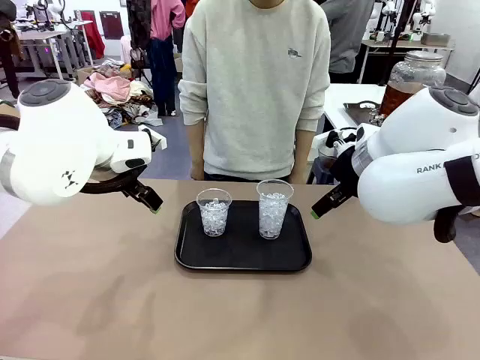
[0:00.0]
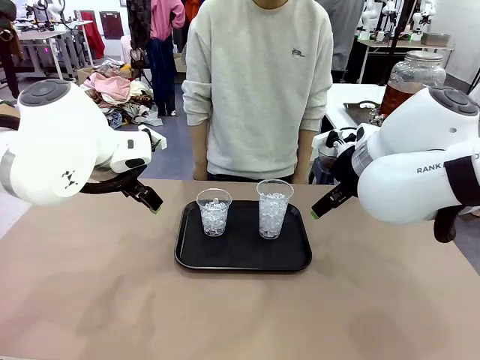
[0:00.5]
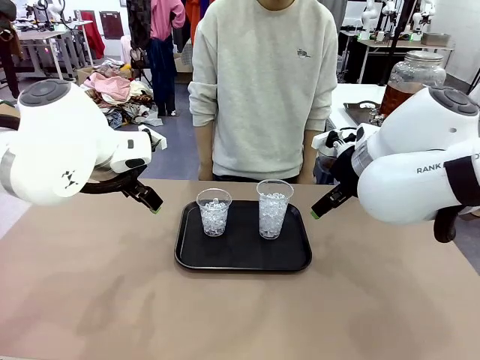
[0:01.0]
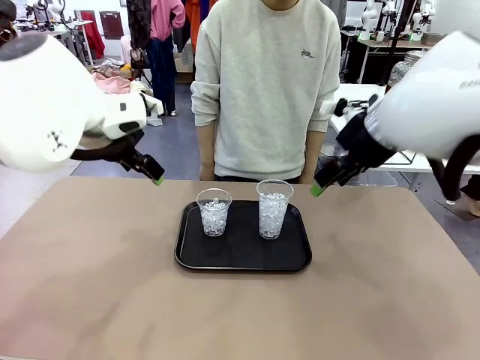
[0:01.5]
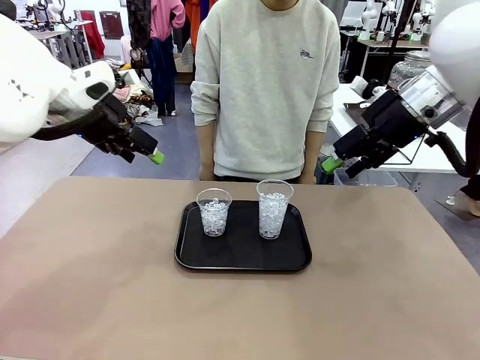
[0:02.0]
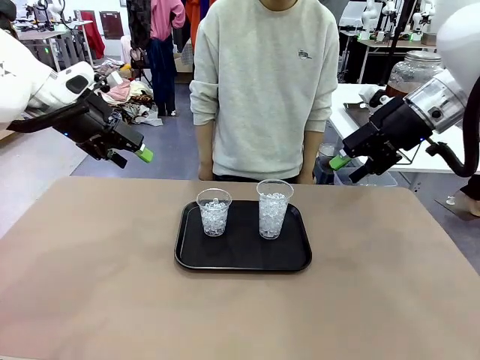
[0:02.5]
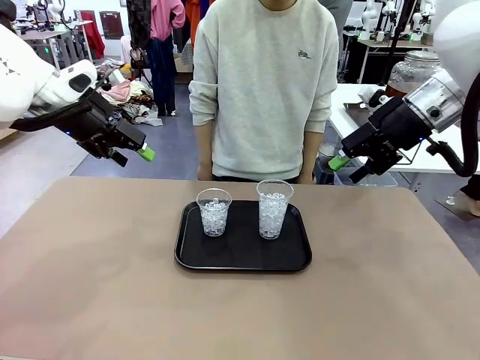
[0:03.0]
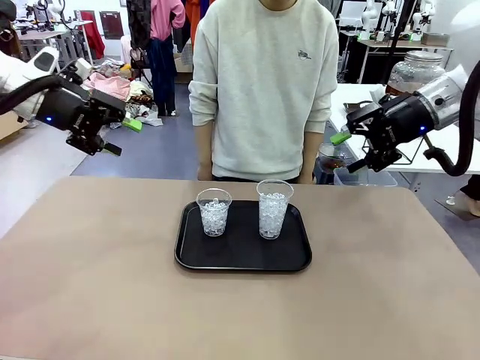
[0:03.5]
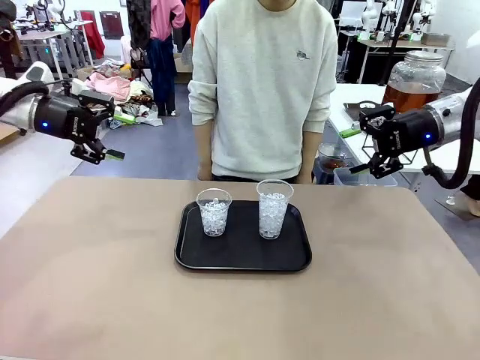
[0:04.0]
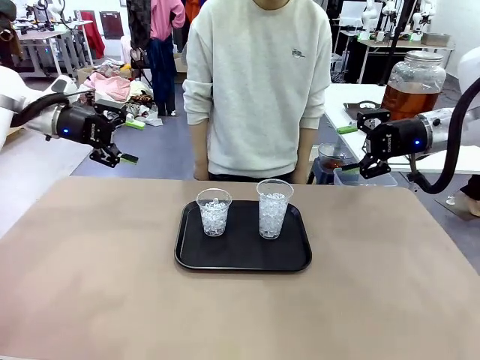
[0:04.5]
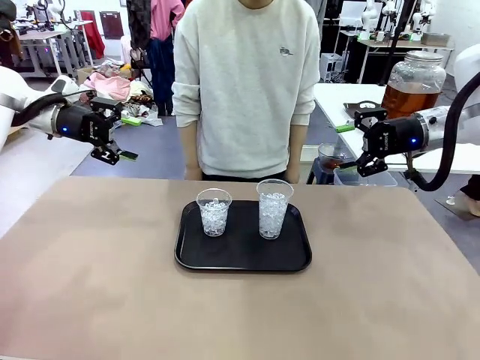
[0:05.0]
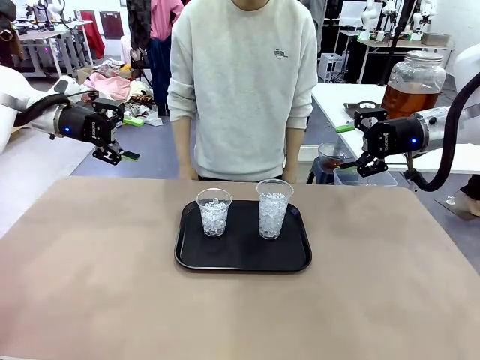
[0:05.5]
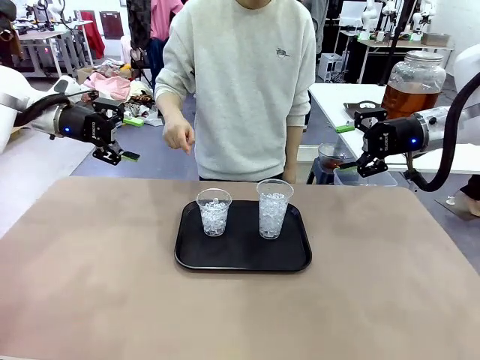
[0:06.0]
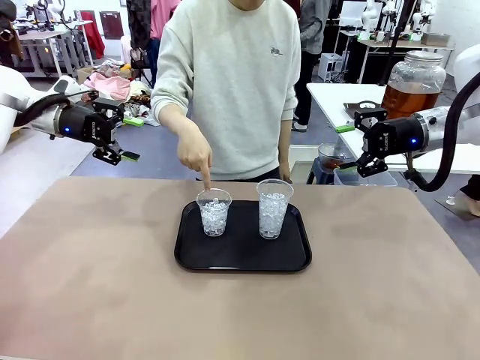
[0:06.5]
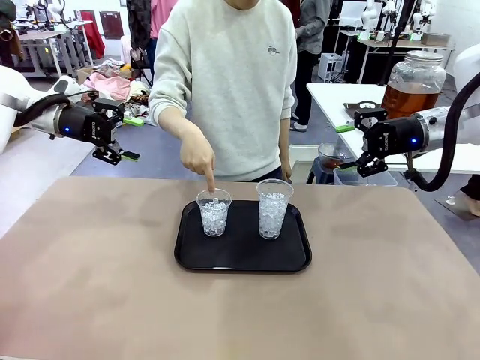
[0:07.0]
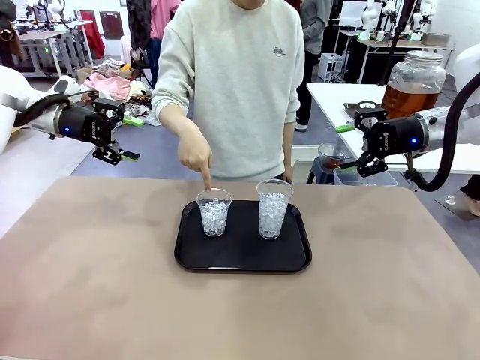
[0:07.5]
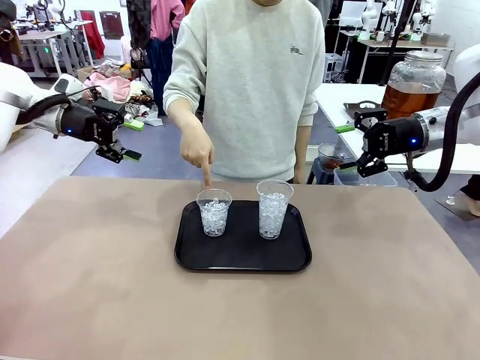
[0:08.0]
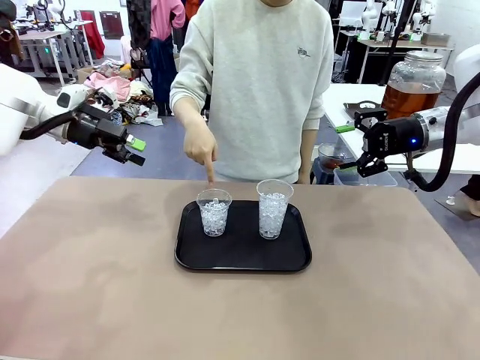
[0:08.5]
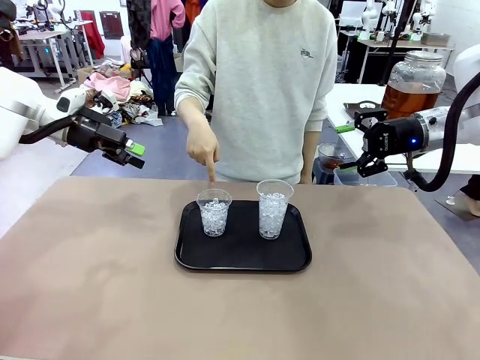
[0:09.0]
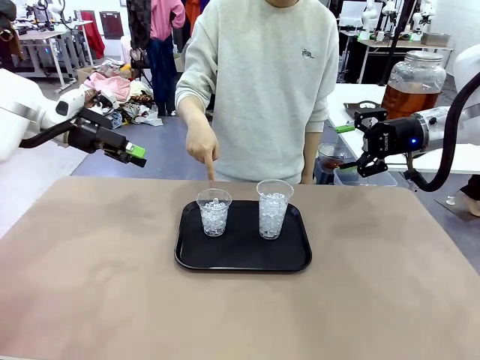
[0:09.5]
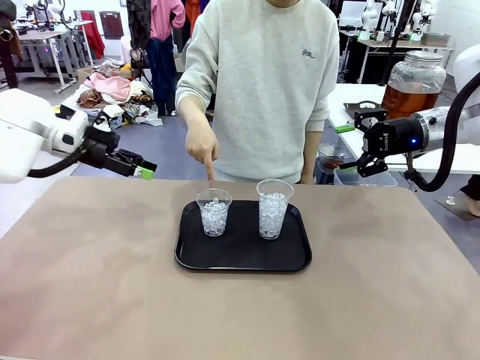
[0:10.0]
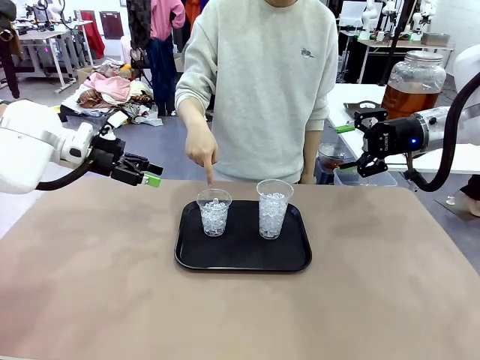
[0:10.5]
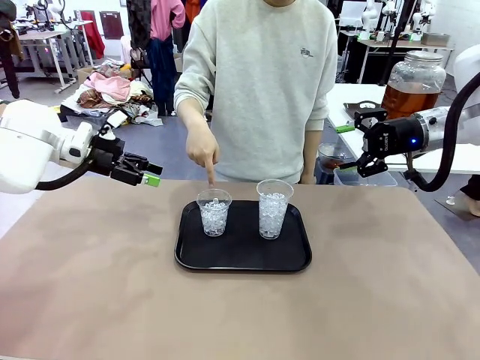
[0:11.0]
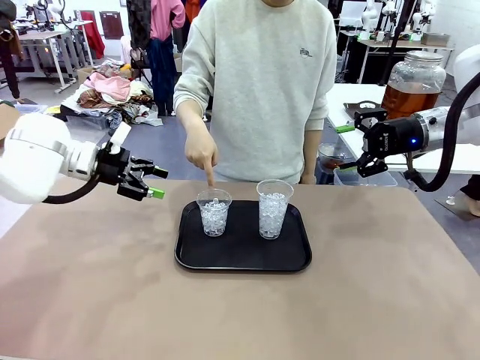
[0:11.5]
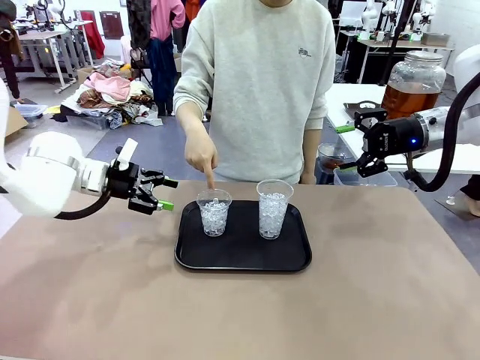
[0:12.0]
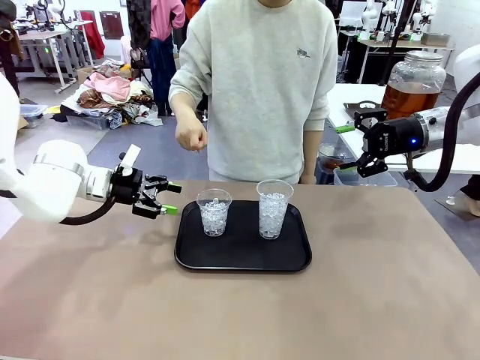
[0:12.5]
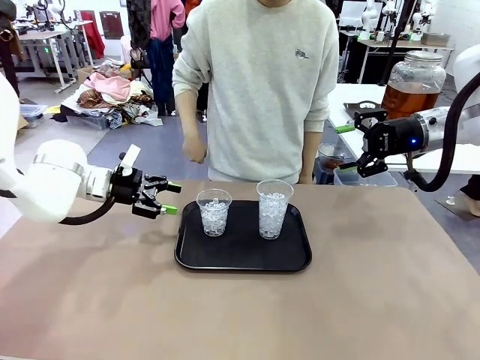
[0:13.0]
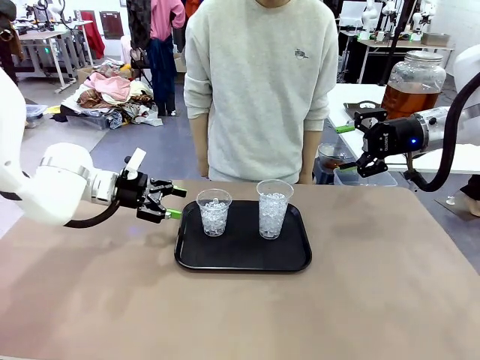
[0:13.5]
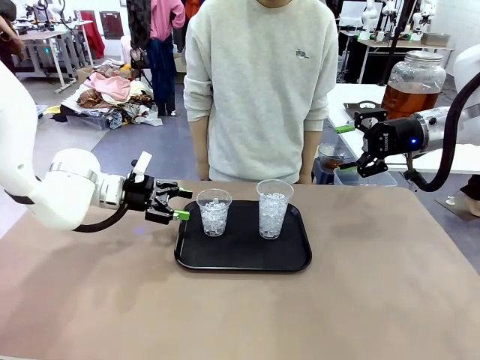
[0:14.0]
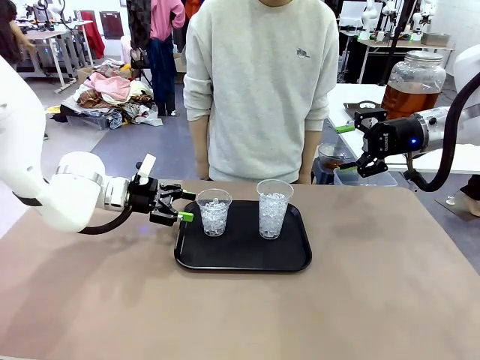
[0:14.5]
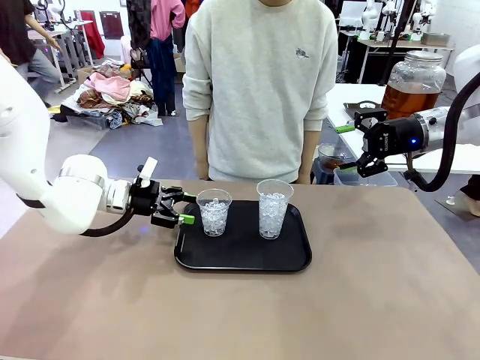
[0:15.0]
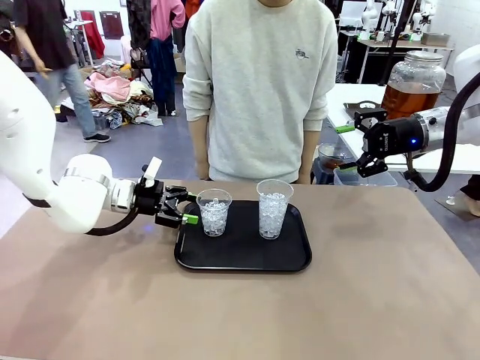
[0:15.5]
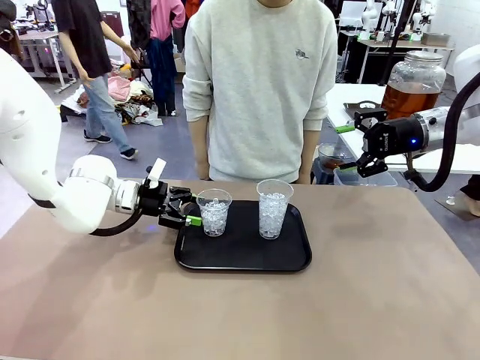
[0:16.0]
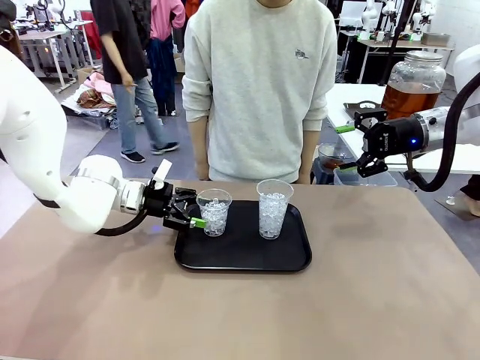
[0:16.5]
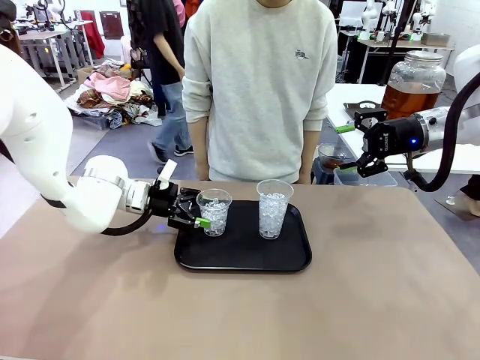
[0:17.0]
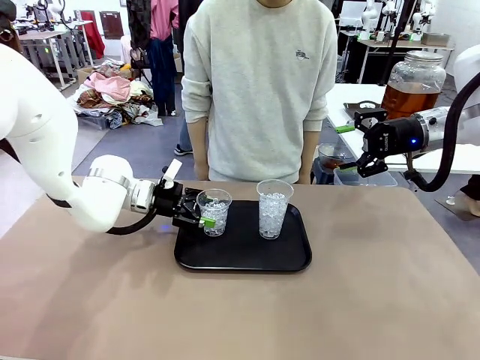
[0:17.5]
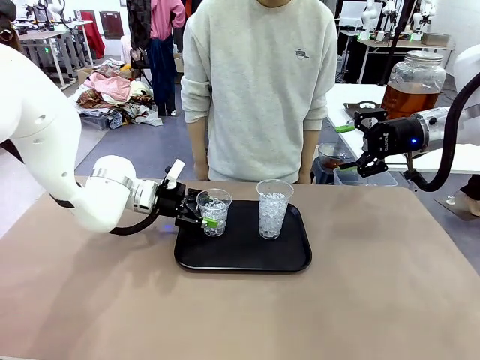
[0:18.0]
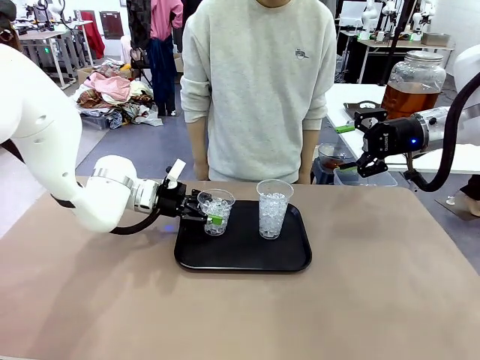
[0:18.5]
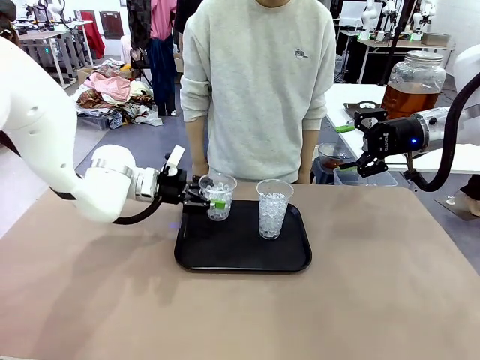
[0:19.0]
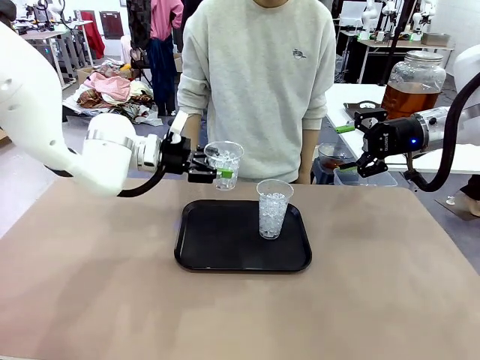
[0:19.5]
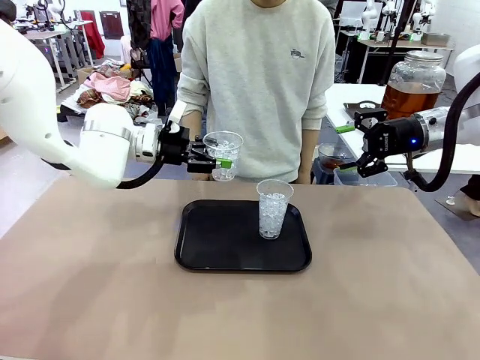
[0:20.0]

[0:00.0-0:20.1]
Task: Pour the drink into the iced cup.
Robot: Pick up the iced cup indicated by the human and present it to them.
Person: Point to one of the two ice cups. Pick up the cup offered by the robot.

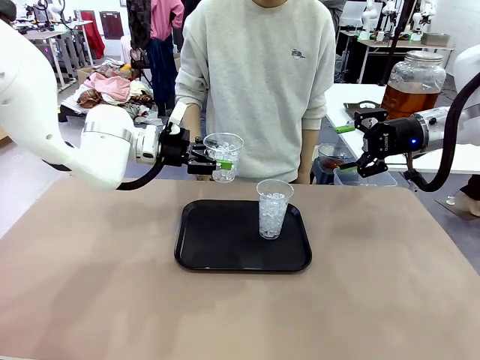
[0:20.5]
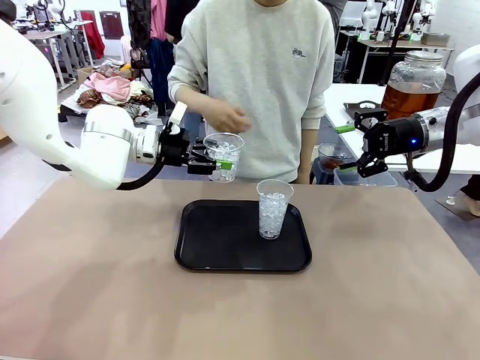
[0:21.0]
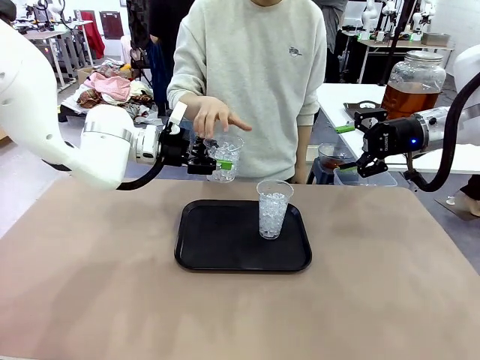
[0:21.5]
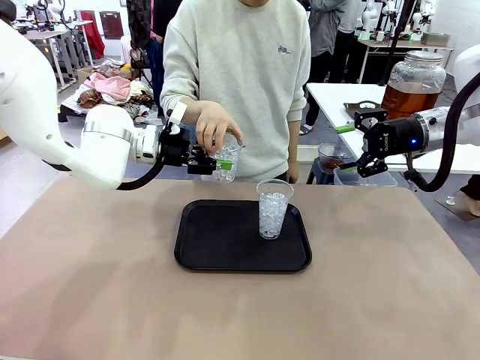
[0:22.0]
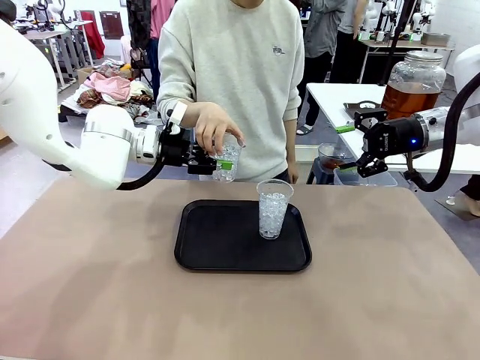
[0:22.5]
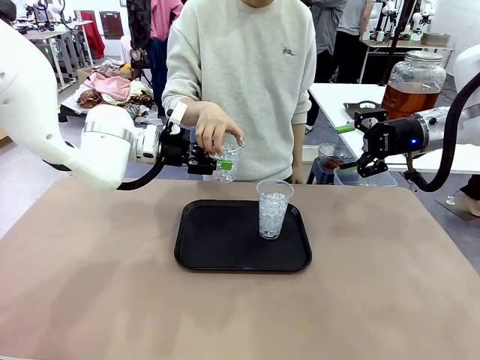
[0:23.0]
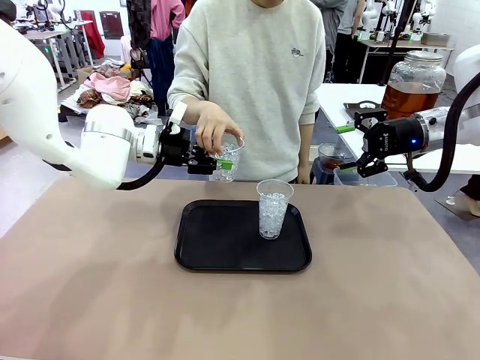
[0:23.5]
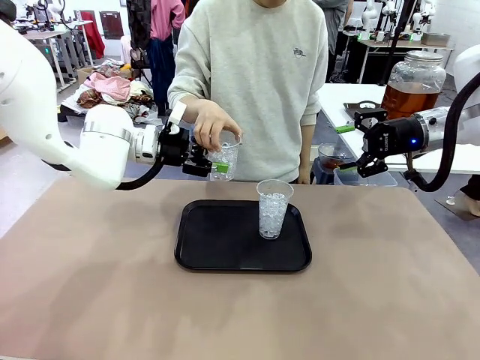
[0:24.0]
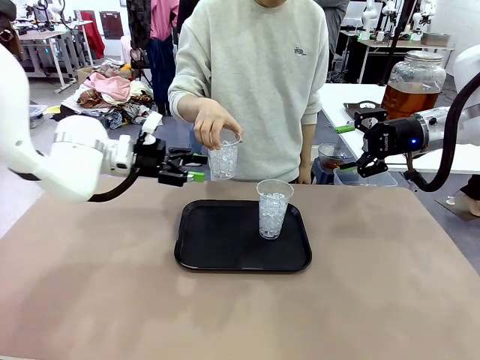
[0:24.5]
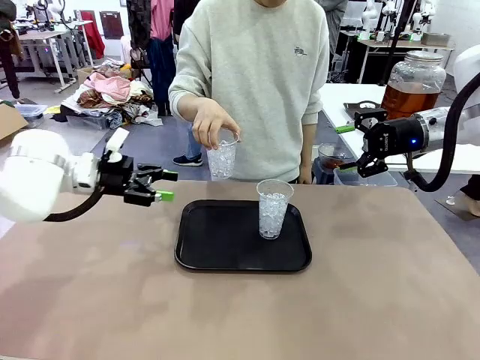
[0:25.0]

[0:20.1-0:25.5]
Robot: Open the gripper to release the iced cup you were holding.
